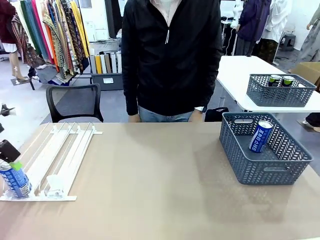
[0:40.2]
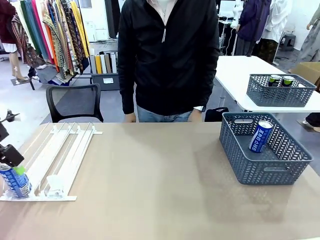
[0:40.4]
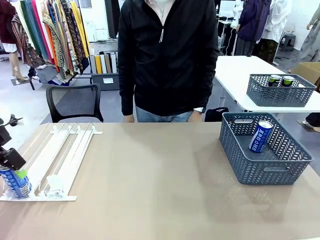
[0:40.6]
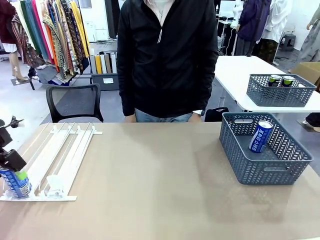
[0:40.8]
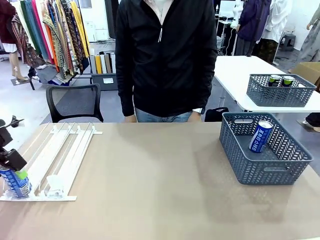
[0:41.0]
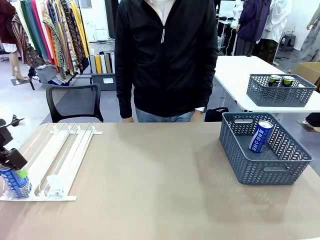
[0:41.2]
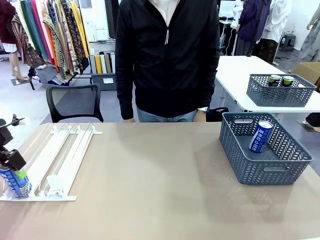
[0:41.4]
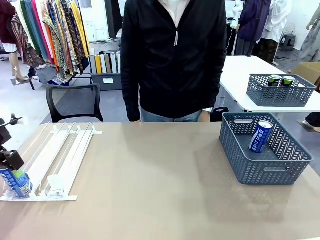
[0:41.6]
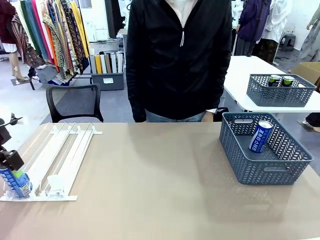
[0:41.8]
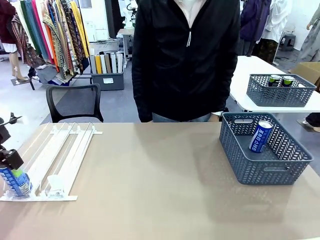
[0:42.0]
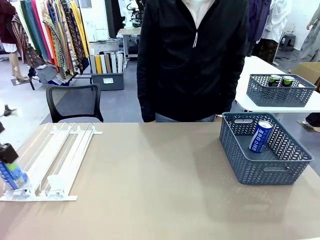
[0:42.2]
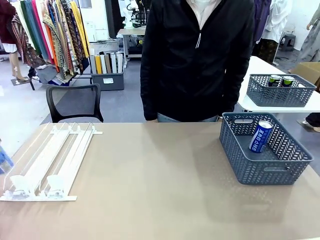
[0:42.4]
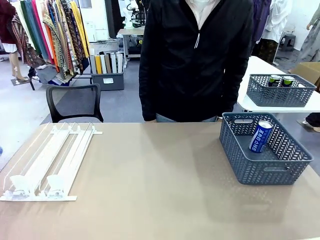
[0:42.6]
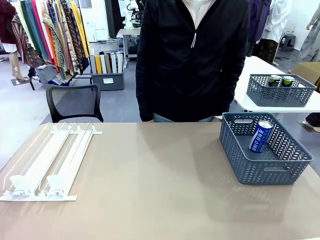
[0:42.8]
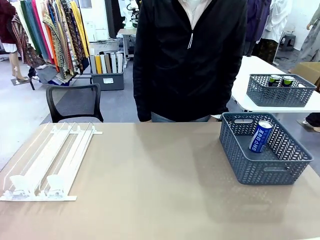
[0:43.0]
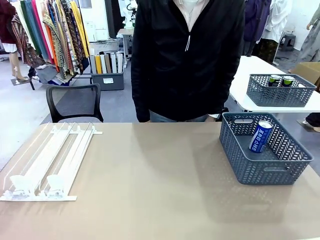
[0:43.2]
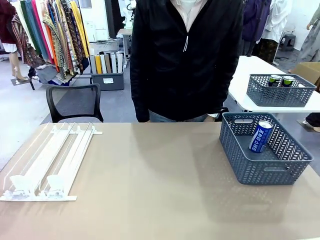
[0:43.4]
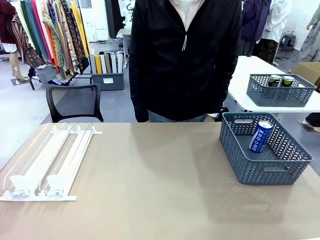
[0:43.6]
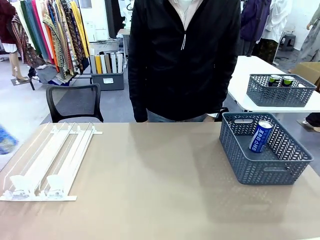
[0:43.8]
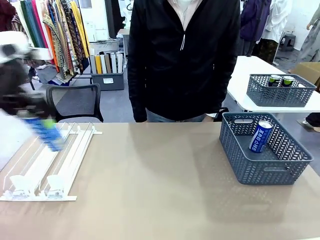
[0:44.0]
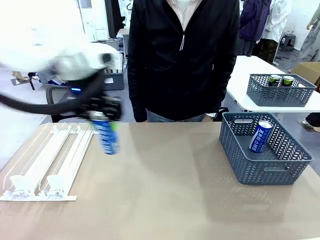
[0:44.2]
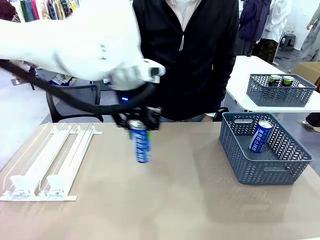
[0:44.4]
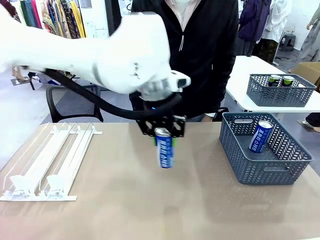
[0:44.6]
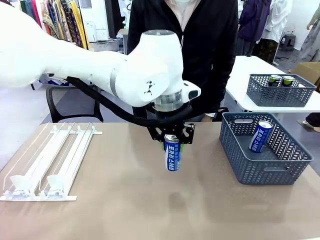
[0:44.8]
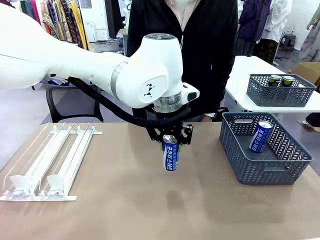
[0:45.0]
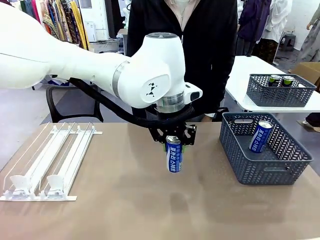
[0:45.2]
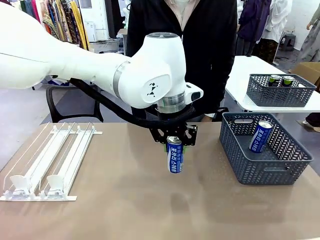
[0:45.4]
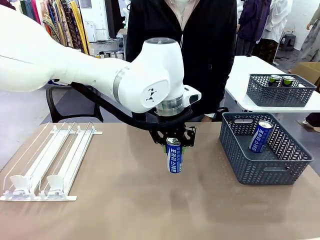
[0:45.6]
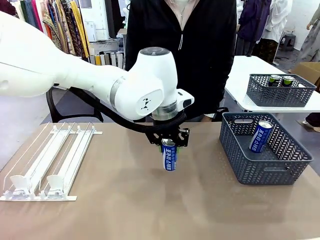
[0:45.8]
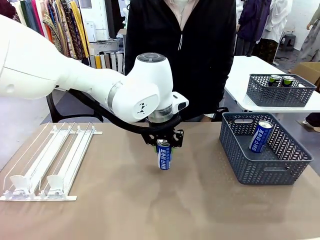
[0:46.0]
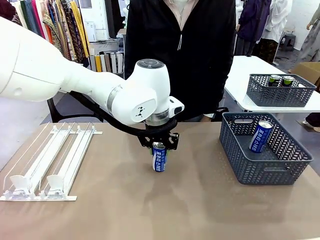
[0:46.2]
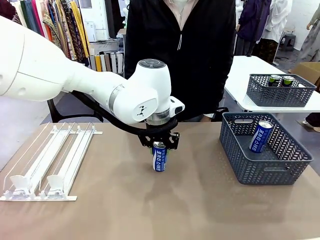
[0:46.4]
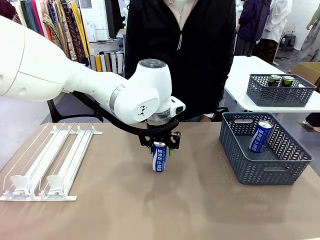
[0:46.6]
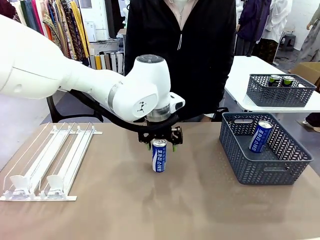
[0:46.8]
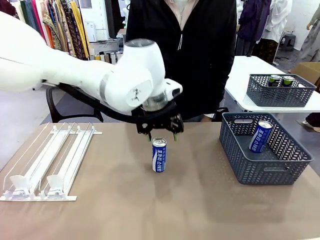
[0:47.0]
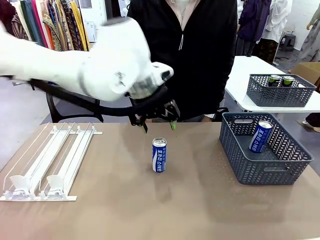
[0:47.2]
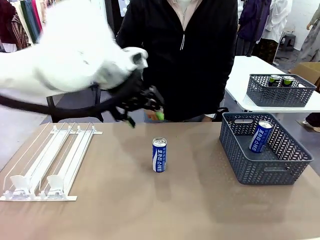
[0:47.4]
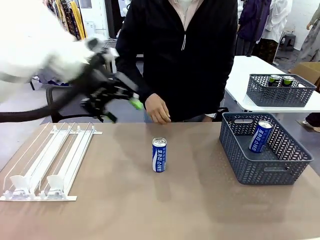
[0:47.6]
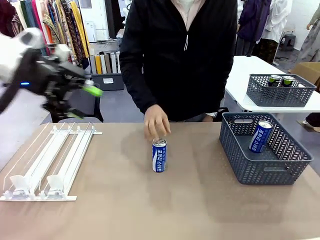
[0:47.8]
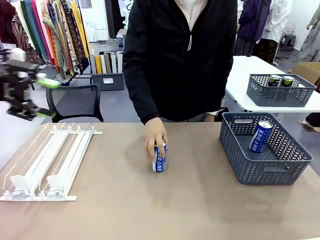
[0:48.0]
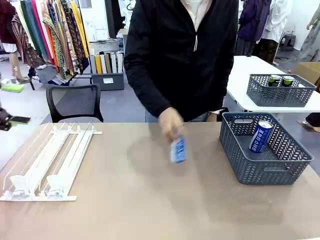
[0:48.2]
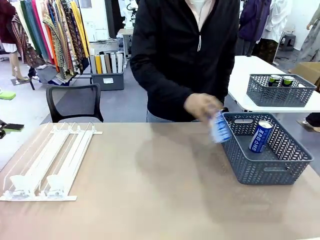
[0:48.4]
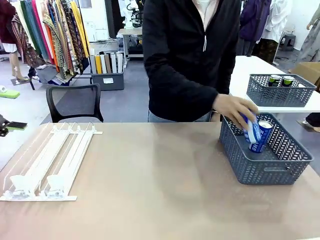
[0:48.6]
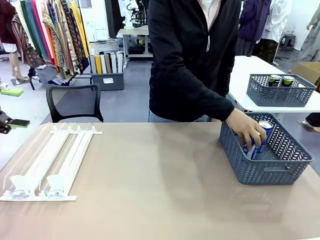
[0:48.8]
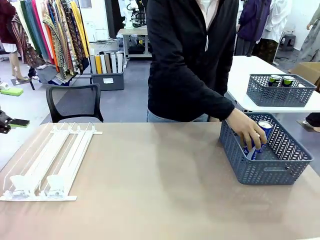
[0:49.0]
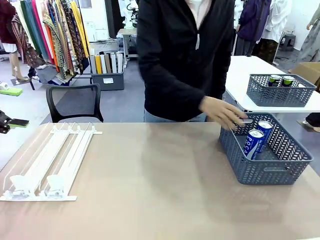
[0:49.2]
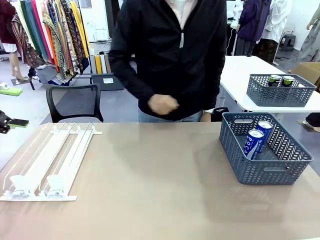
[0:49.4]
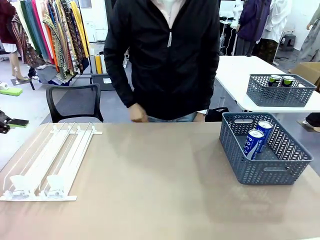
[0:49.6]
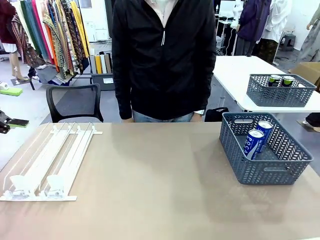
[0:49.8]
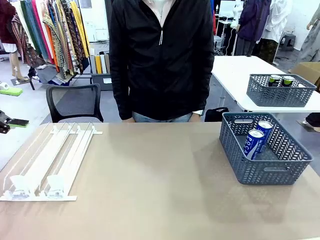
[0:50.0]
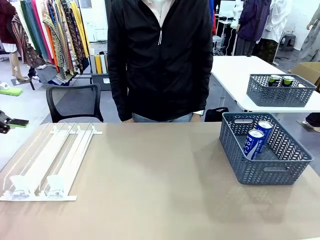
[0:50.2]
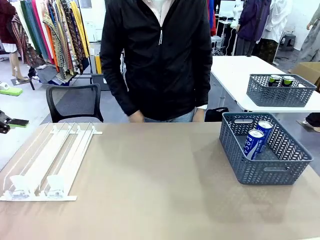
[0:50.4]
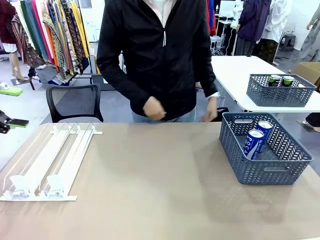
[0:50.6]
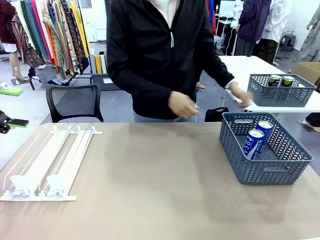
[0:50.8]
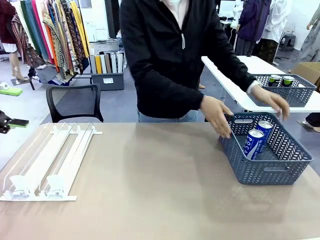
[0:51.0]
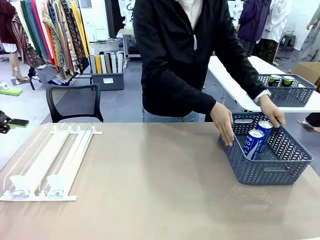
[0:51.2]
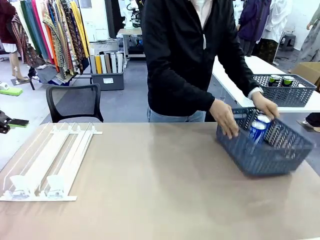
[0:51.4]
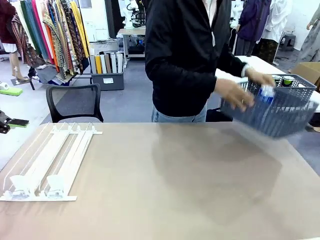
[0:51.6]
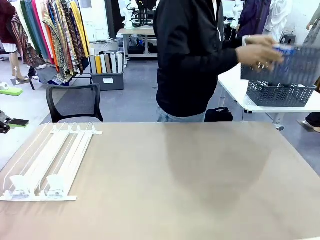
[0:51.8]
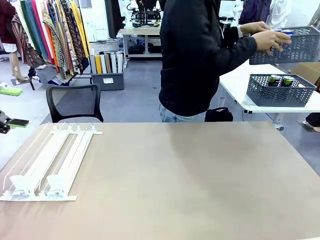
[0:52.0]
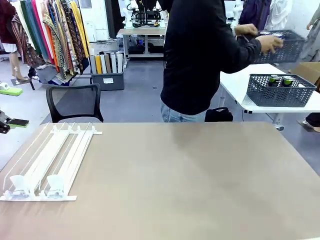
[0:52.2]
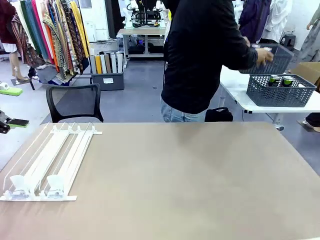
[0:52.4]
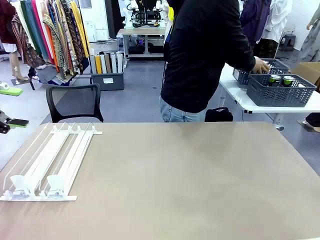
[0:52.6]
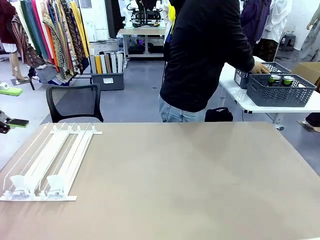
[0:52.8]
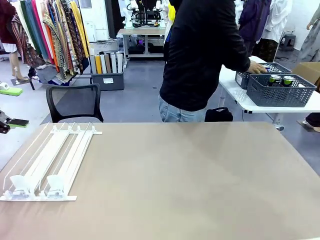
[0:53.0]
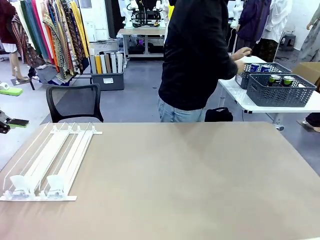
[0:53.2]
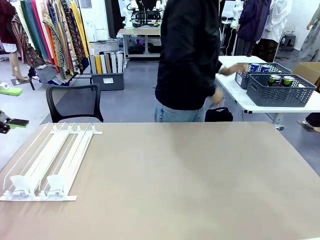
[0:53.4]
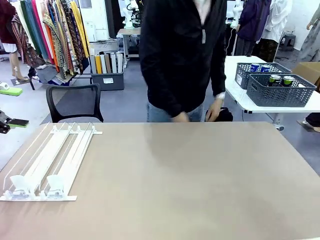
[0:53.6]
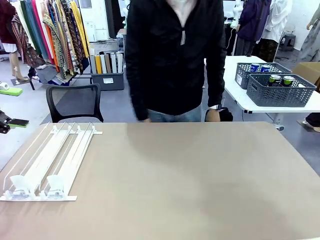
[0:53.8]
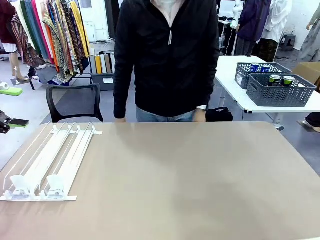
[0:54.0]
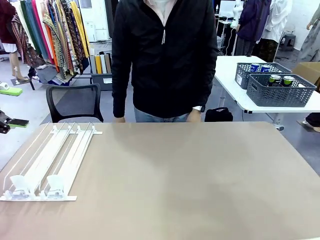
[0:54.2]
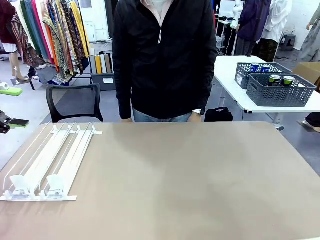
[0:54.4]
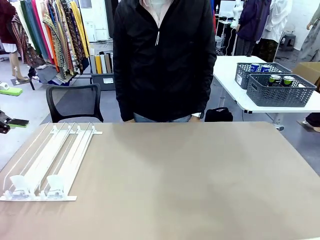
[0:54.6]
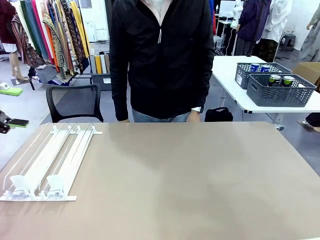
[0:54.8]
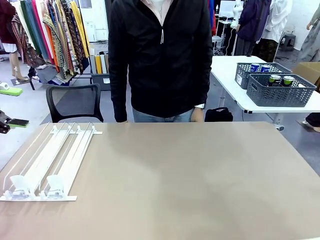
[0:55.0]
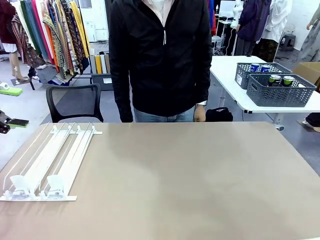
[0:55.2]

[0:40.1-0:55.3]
Task: Retrieve and store the cans from the dispenser.
Robot: Pick up one can from the Automatic Can Dispenser and place it in the middle of the table.
Person: Pick up one sports drink can from the middle of the robot table and place it in the basket. Pick up the basket and place it in the middle of the human table.

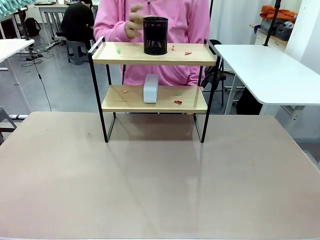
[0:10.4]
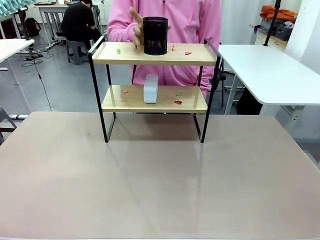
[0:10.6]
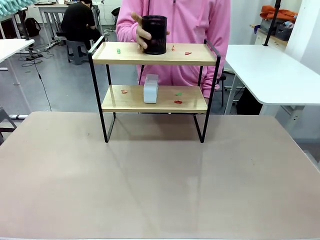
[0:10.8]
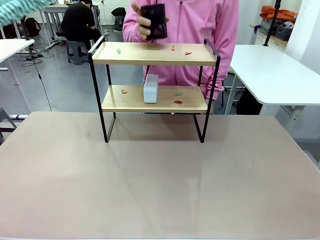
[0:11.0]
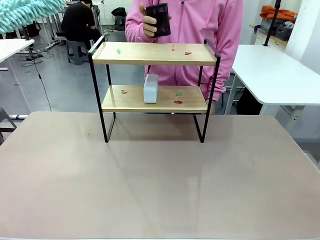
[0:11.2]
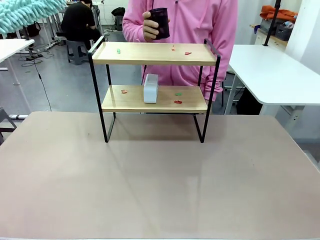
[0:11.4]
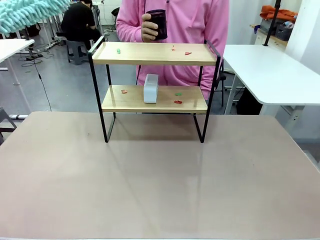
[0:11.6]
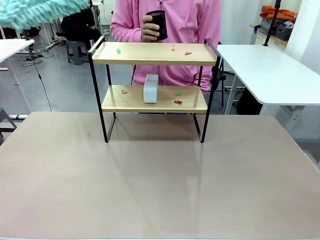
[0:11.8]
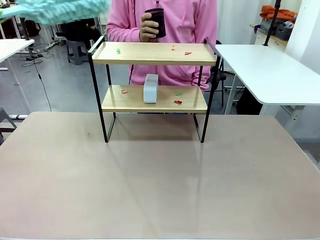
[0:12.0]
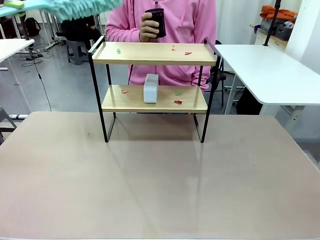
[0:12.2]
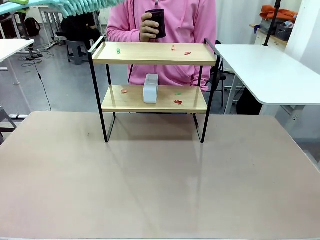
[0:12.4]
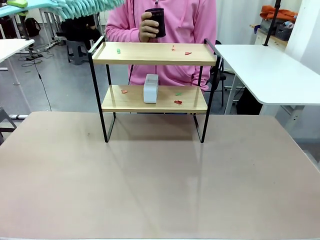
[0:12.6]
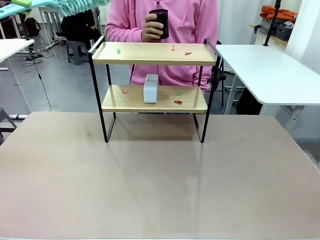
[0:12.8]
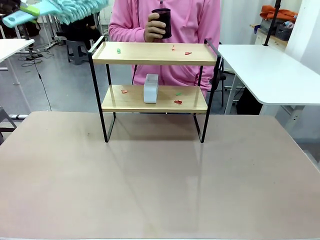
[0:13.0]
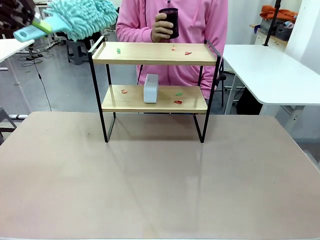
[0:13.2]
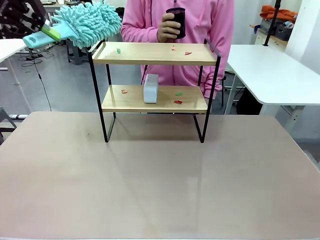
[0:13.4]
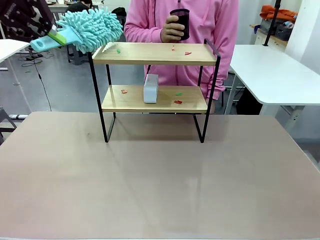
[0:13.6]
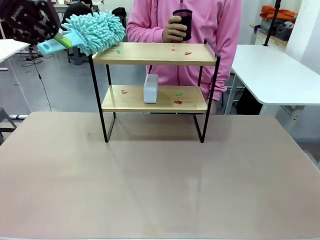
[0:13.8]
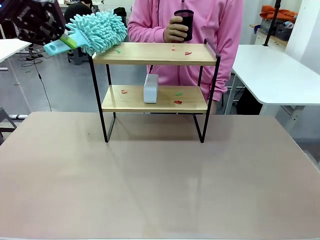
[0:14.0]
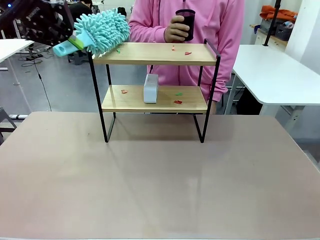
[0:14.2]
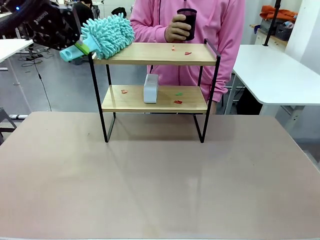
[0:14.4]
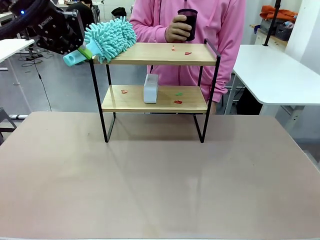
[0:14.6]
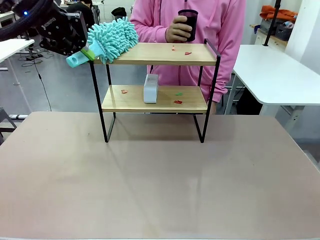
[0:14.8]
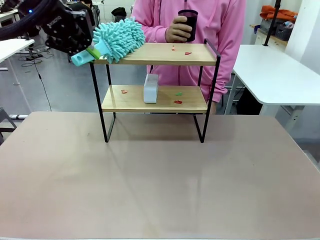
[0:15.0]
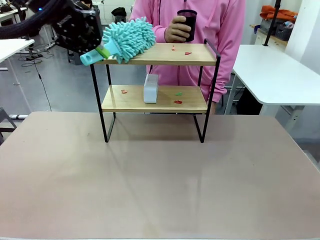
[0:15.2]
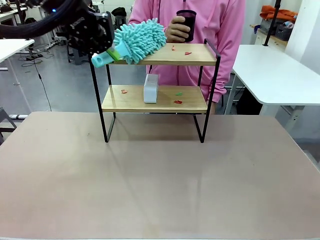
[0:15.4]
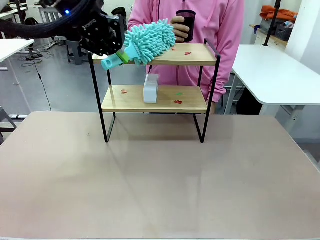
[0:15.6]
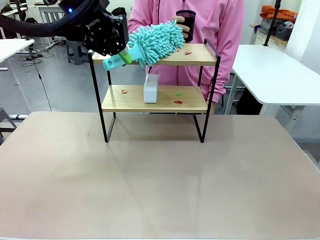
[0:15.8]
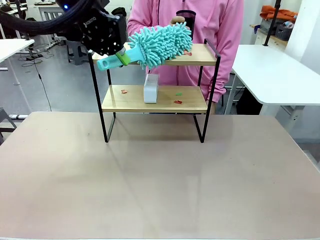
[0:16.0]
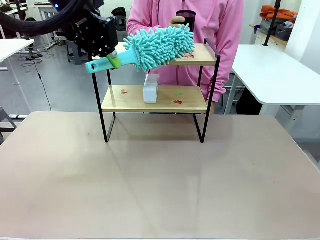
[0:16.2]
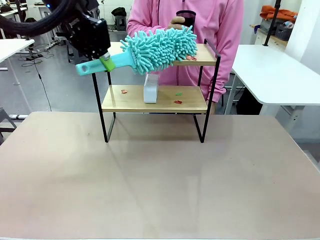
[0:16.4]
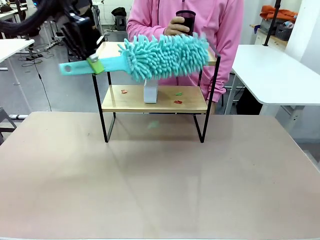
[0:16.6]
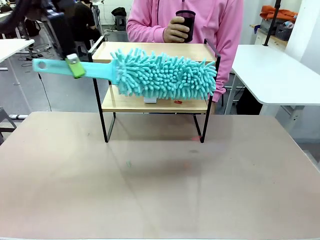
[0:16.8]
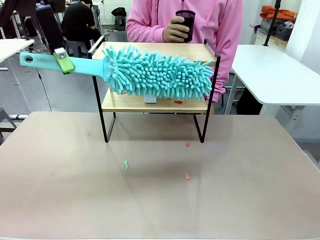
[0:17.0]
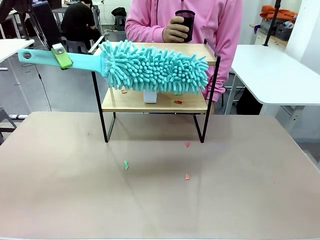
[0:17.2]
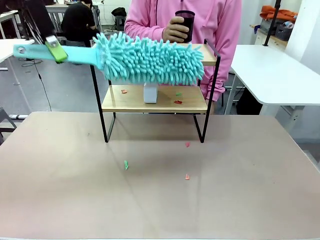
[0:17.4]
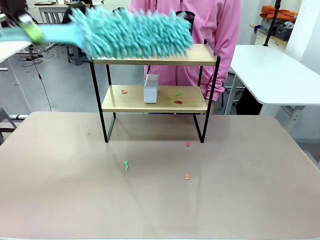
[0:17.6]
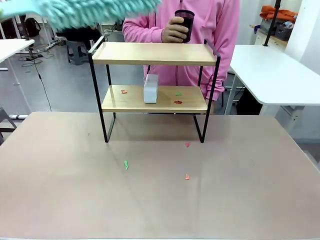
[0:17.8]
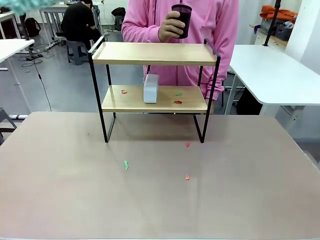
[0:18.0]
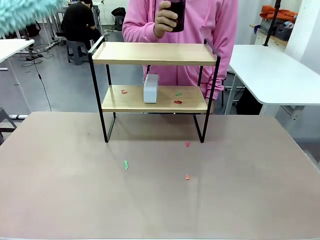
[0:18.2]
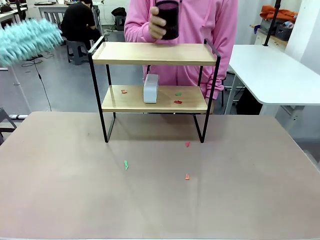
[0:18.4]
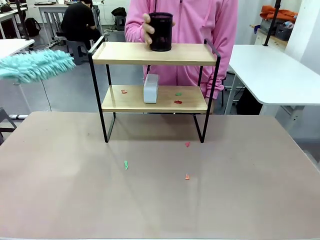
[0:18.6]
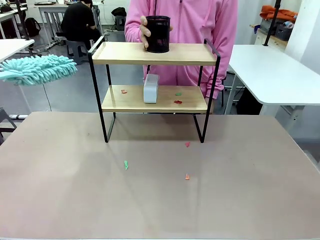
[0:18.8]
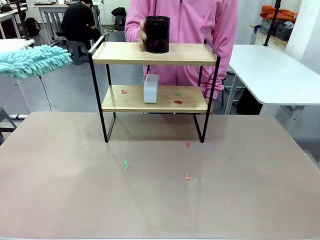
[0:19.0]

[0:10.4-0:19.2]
Task: Clean the shelf.
Robot: Clean the specific tier of the Shelf with the Duster once objects are removed.
Person: Lift the objects on a randomly selected tier of the Shelf. Once the robot finishes cleaning, lift the objects on the remaining tiers of the Shelf.
